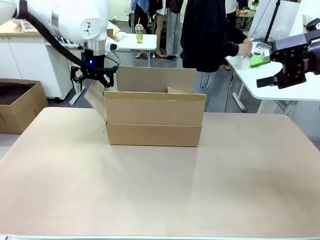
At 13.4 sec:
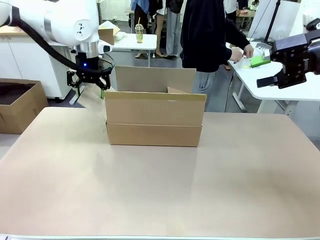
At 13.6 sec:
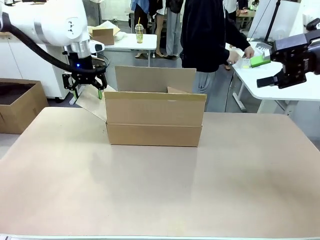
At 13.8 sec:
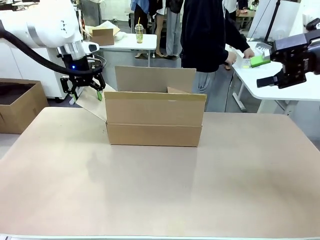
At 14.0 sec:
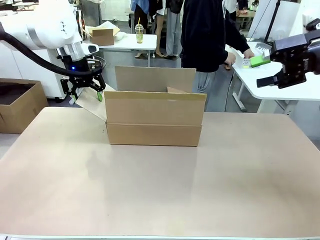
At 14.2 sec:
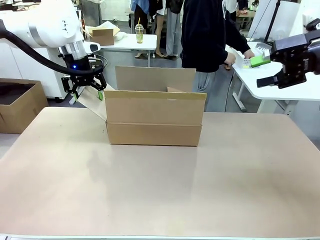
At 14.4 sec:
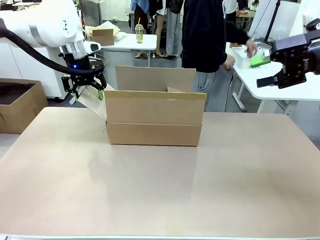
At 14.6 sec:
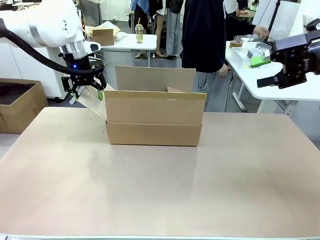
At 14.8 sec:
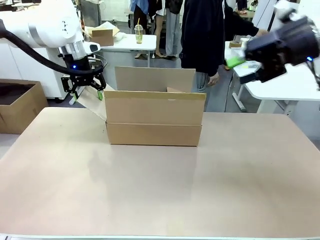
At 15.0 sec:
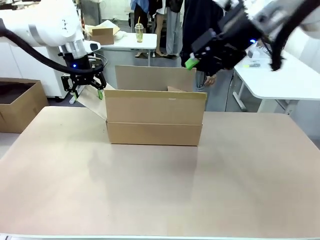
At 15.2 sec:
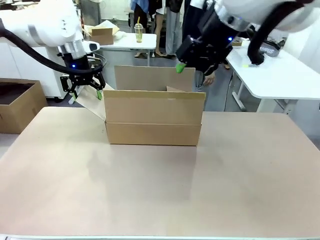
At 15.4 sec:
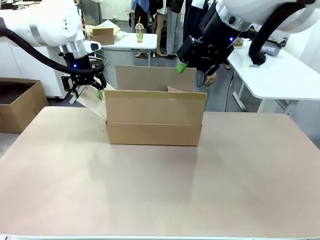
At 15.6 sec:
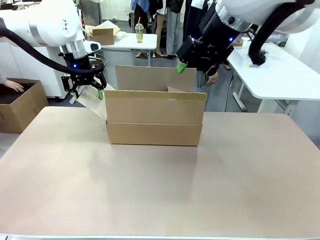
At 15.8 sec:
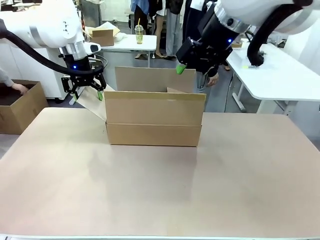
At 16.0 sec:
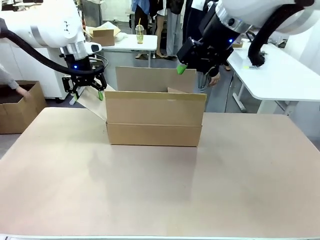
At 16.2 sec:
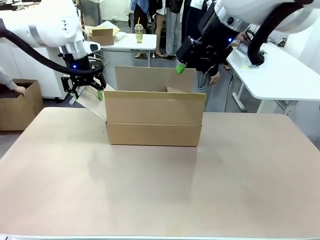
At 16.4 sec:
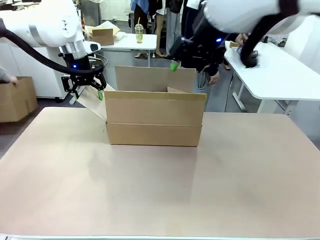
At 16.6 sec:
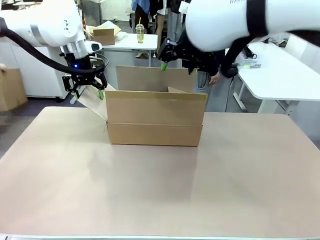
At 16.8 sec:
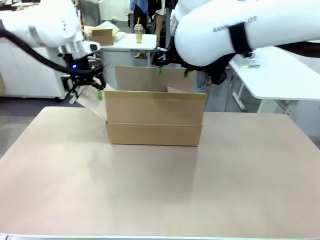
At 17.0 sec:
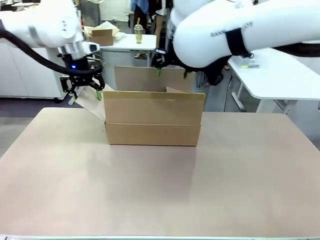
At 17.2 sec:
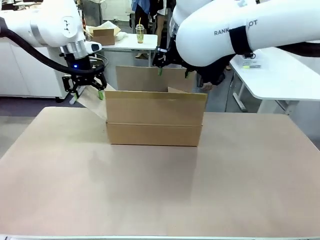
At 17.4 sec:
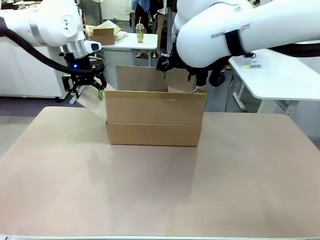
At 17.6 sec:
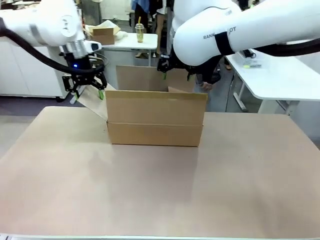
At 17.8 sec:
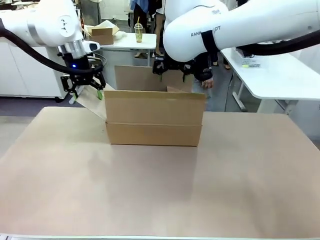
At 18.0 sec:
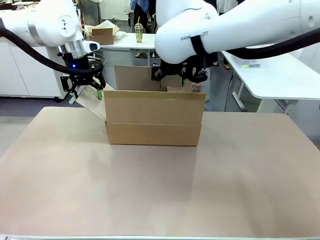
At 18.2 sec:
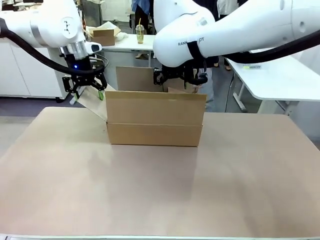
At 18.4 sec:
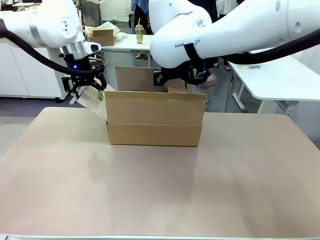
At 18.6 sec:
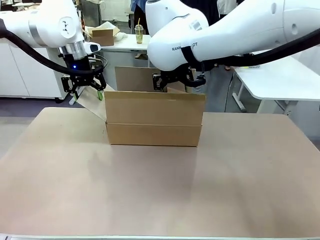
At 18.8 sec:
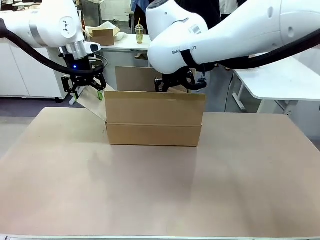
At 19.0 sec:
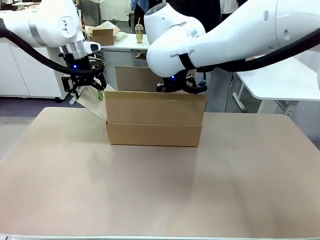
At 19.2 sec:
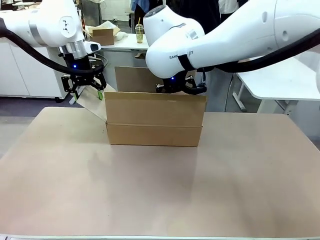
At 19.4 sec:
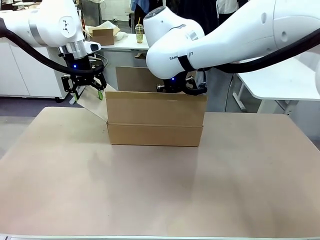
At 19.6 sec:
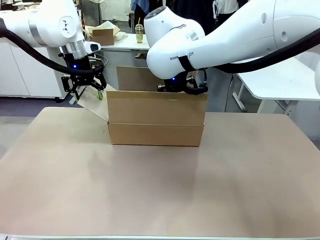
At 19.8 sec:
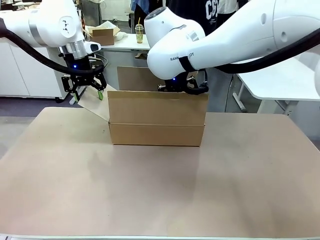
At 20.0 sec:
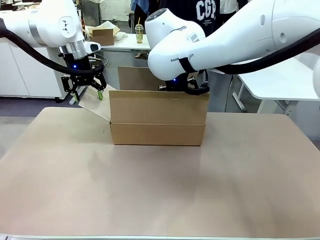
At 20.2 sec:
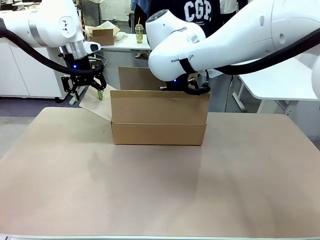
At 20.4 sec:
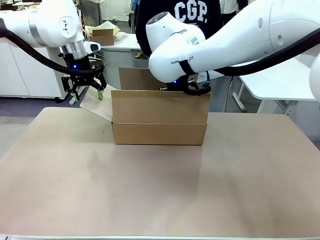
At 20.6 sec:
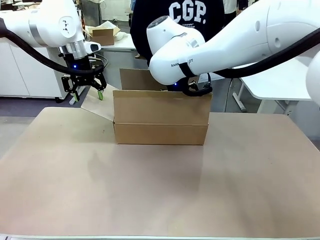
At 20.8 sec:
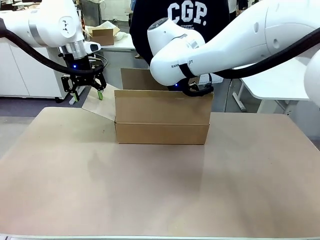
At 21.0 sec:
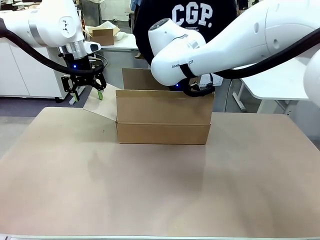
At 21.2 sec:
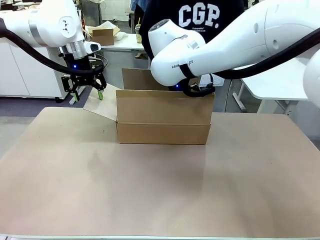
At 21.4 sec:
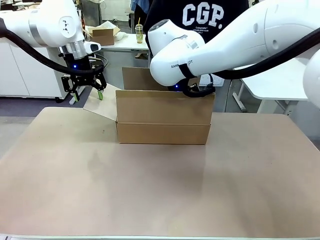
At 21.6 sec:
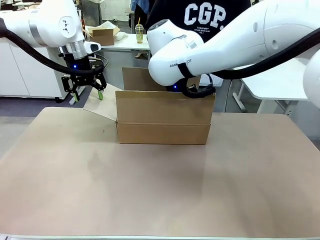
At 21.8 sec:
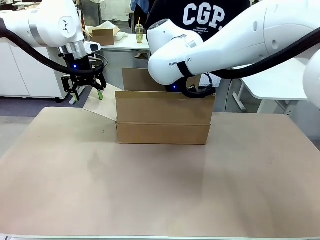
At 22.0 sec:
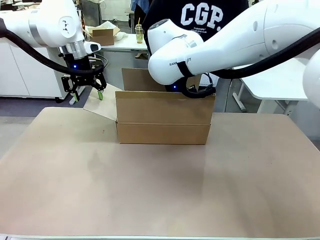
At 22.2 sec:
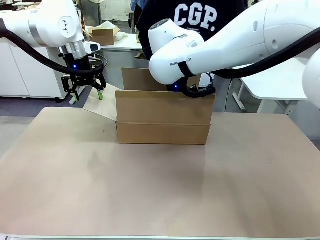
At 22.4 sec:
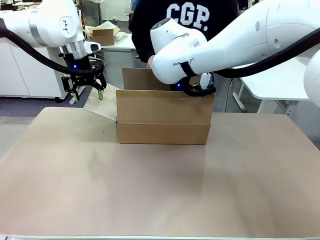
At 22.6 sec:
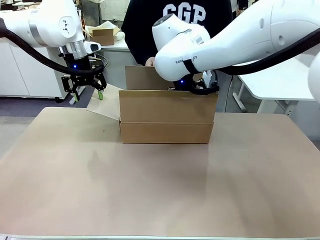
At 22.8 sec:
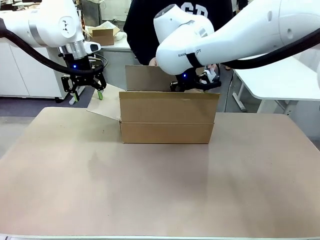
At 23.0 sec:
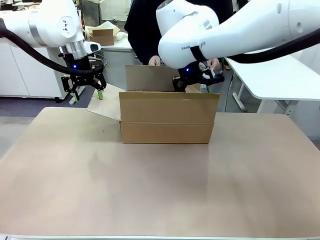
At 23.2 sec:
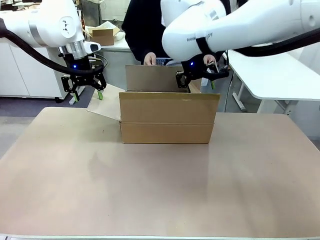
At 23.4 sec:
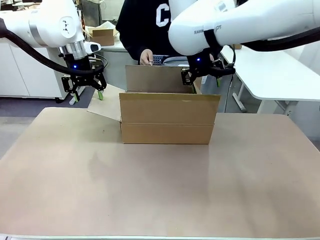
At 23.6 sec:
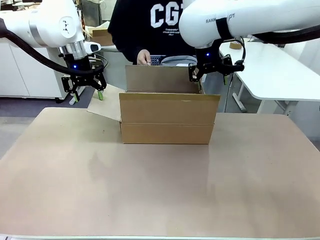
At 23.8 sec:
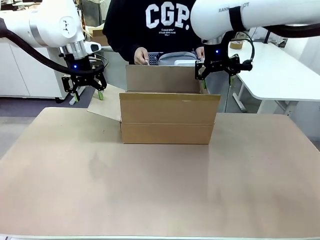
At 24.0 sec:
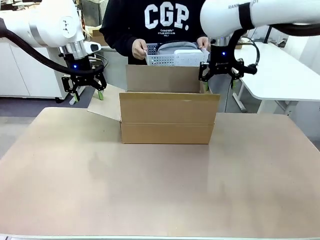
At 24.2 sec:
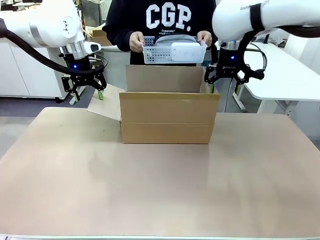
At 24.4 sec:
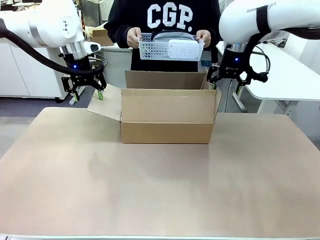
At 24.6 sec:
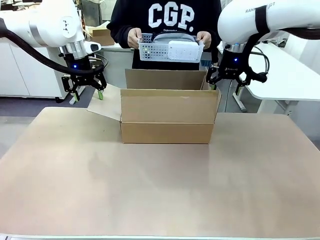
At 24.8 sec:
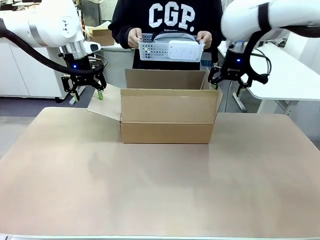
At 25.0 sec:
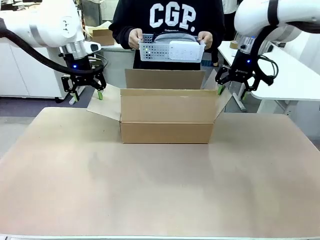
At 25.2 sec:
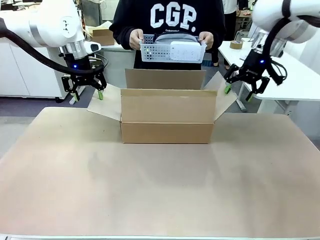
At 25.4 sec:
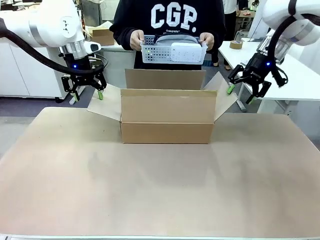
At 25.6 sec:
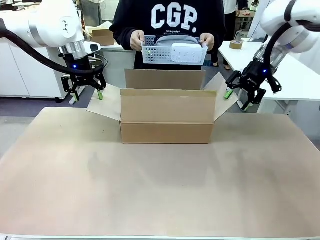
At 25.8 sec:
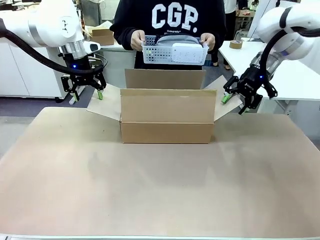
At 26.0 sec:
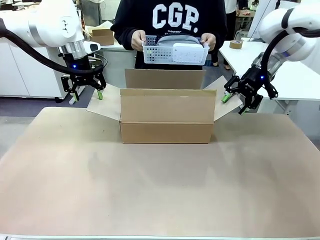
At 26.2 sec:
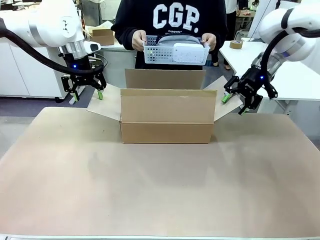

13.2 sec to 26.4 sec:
Task: Pack the gift set into the box.
Robot: Place both hands on the side flaps of the Package Box and spread them outward.
Person: The human picks up the organizing basket and places the organizing basket into the package box on the robot table.

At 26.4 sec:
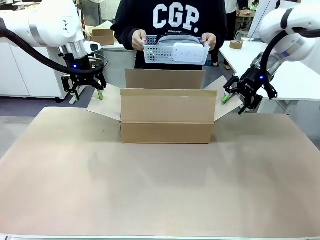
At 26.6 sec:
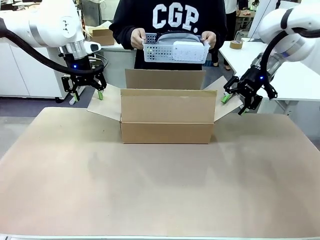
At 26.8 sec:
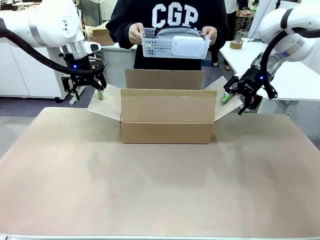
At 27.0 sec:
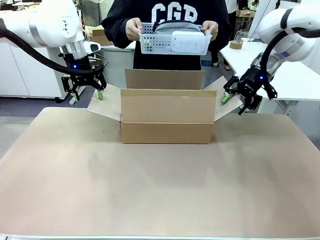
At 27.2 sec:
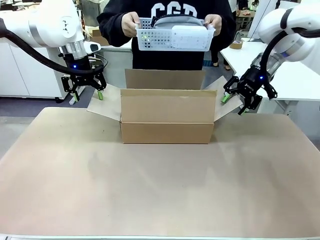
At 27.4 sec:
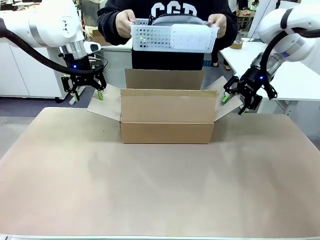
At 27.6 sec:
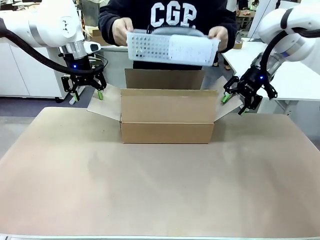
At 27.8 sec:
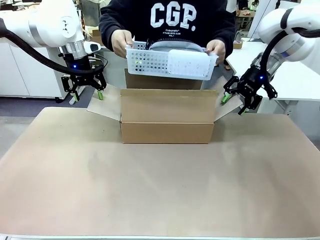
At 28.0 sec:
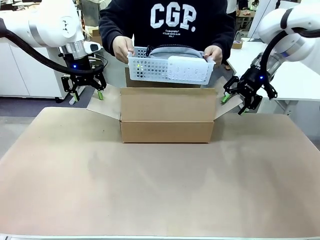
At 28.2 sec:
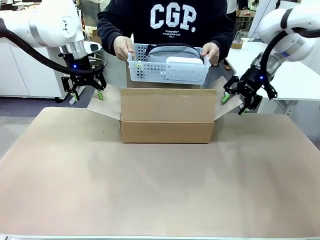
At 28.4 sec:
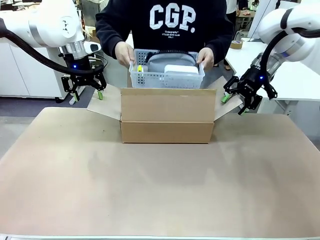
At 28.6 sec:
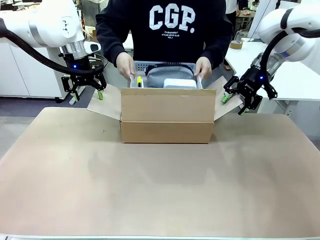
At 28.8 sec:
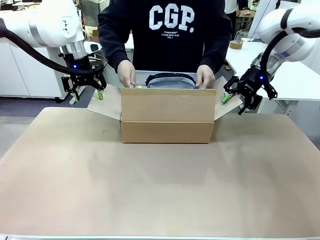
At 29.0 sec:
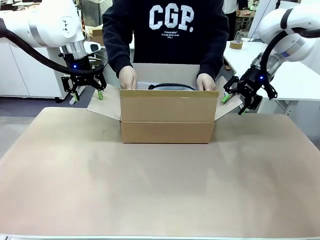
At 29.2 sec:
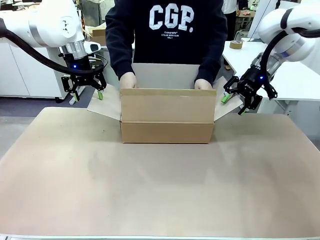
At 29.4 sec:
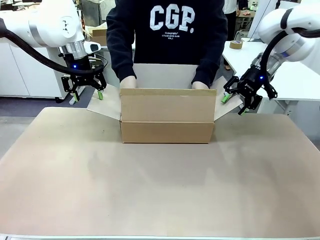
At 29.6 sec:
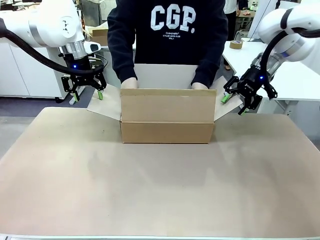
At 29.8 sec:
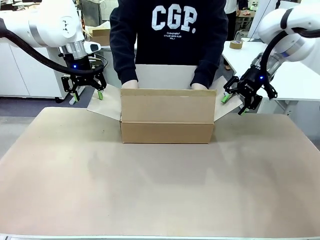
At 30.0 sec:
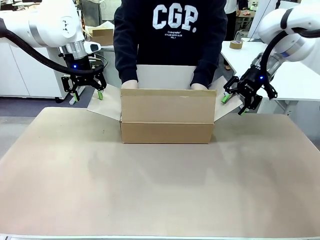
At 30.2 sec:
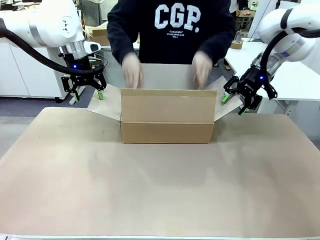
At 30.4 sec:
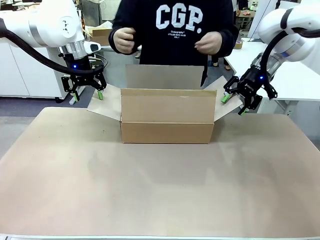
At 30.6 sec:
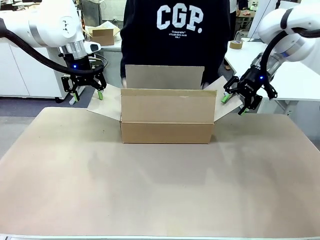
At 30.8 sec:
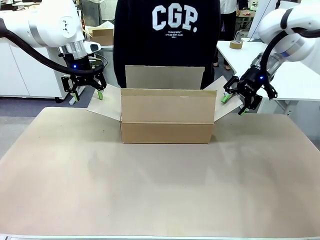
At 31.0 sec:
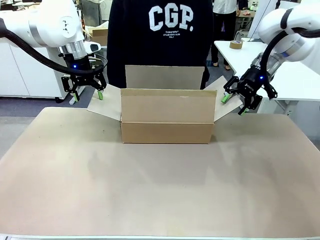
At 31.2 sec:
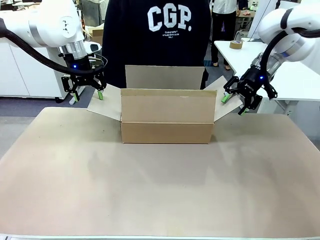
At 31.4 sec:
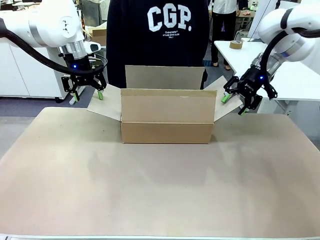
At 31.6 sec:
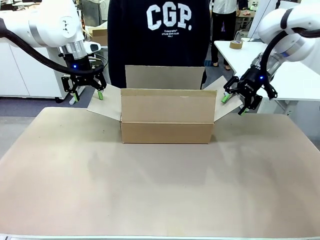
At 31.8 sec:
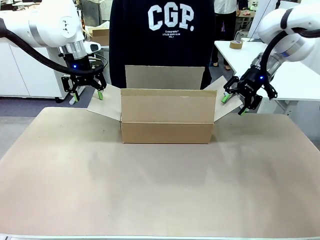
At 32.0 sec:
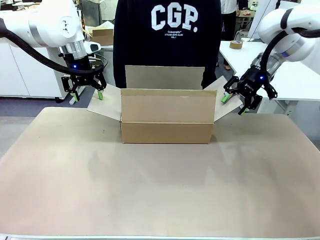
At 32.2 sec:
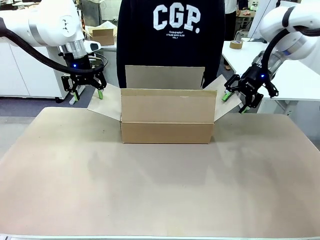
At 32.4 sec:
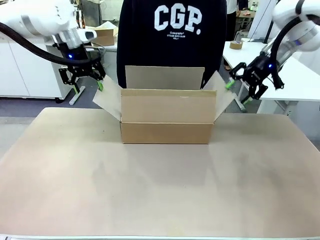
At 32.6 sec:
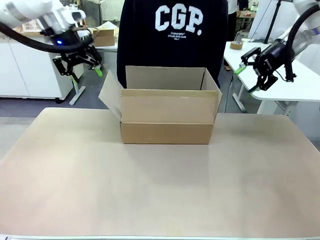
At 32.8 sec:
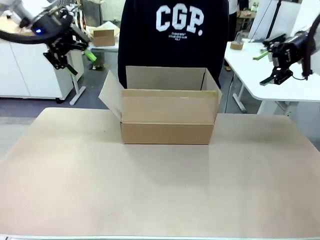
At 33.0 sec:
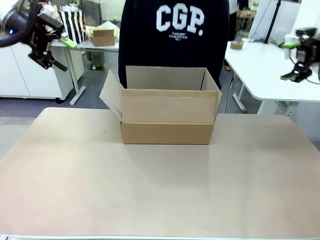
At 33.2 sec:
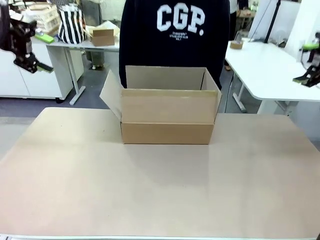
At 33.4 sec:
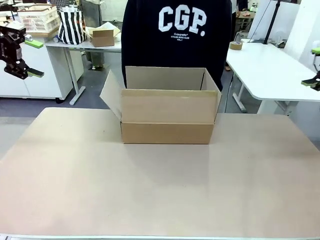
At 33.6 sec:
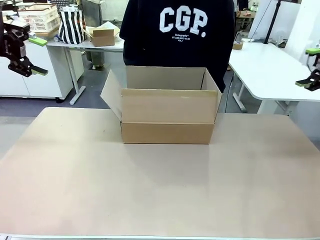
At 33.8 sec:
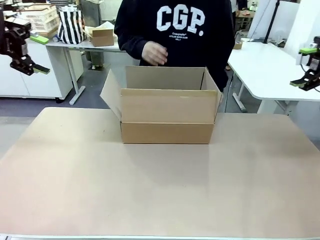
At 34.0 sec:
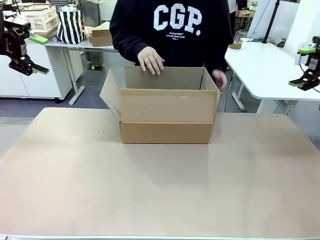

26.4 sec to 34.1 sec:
Robot: Lift both hands away from the flaps of the Package Box.
